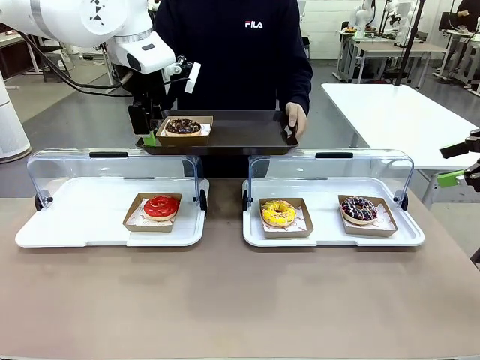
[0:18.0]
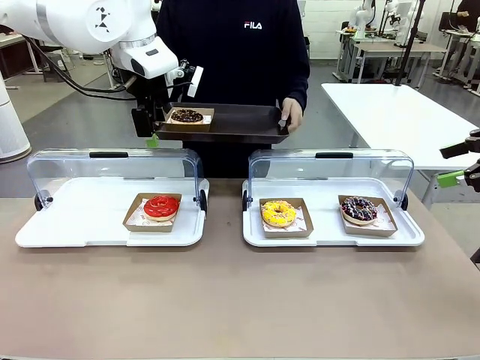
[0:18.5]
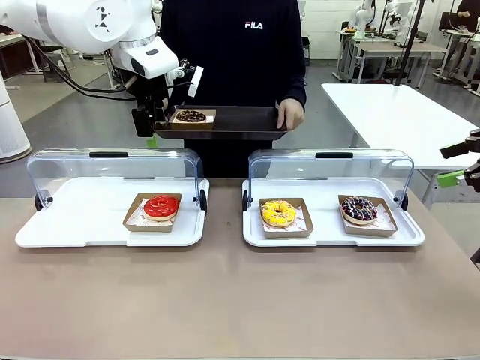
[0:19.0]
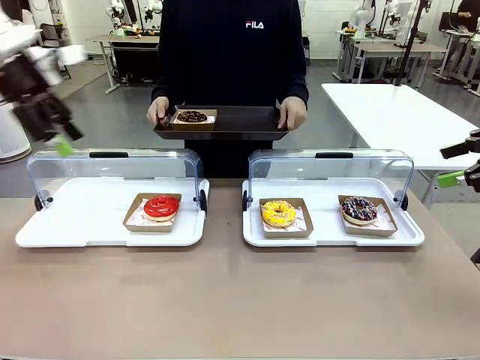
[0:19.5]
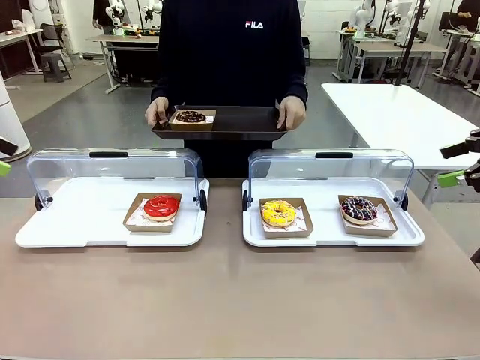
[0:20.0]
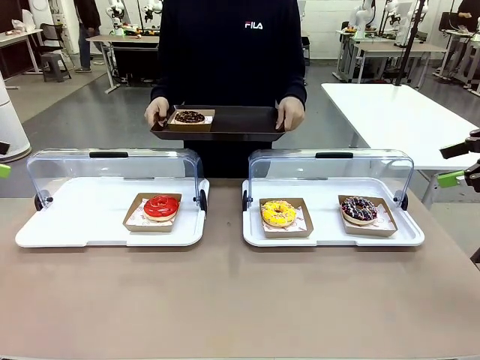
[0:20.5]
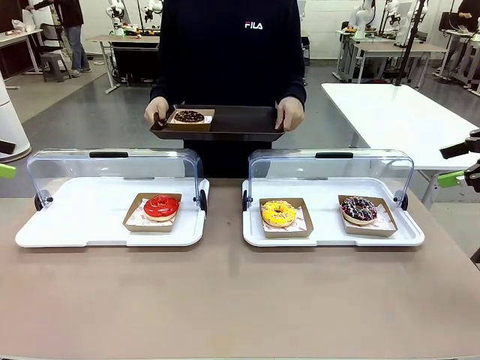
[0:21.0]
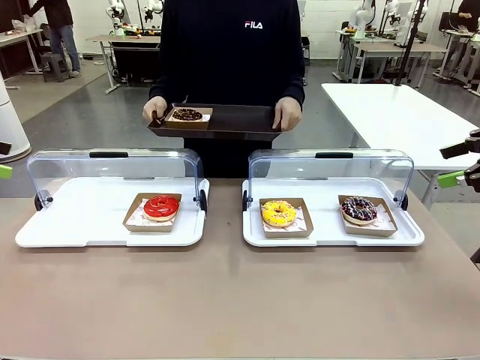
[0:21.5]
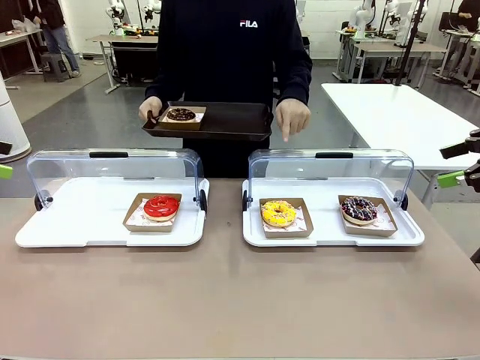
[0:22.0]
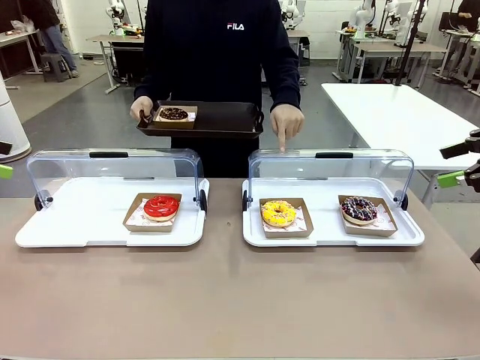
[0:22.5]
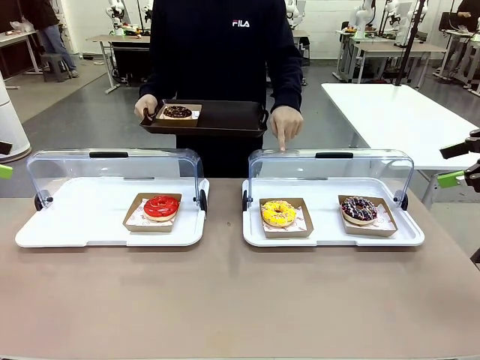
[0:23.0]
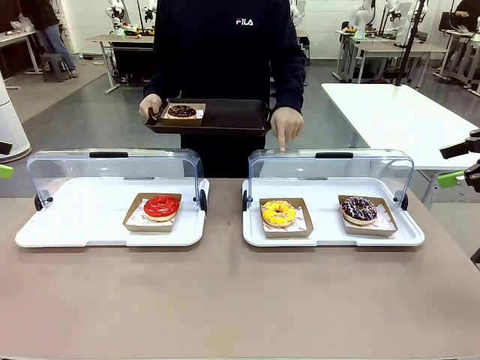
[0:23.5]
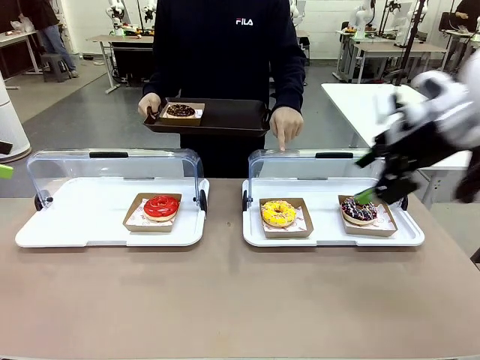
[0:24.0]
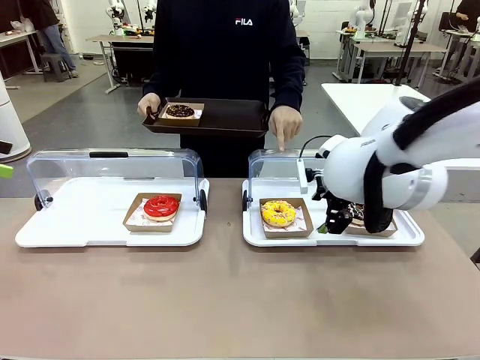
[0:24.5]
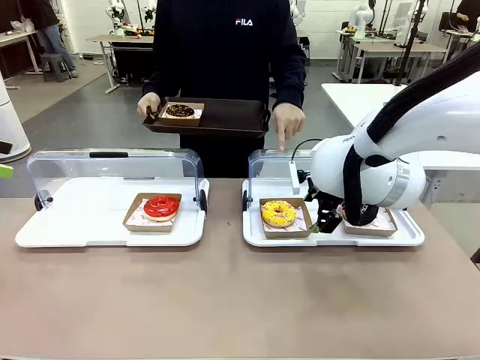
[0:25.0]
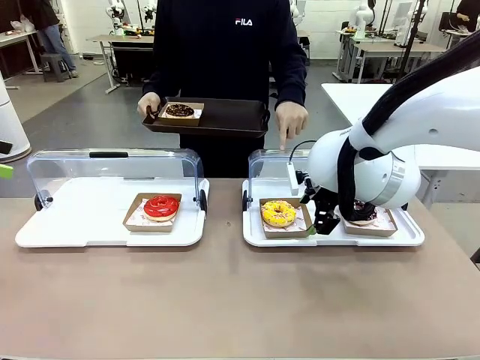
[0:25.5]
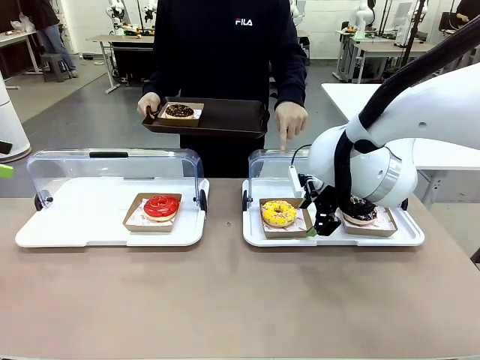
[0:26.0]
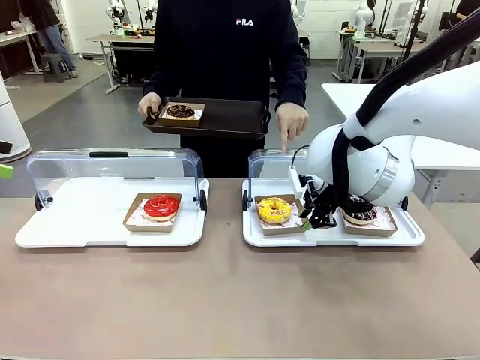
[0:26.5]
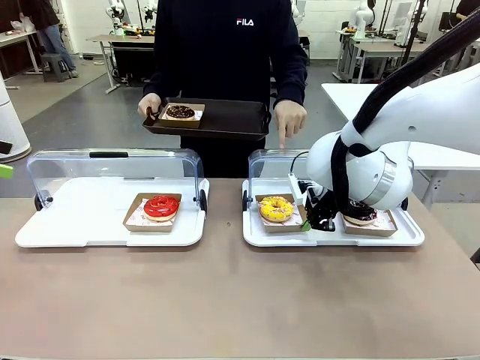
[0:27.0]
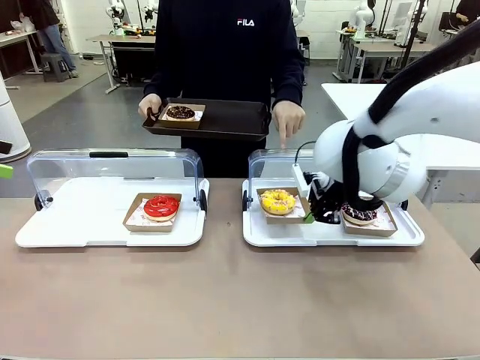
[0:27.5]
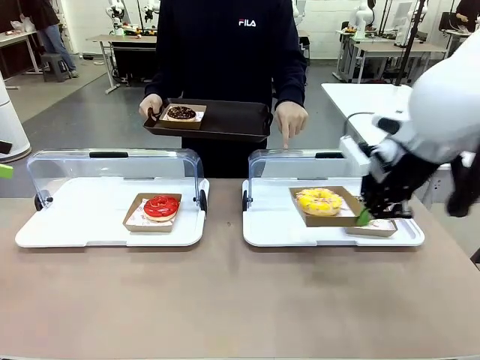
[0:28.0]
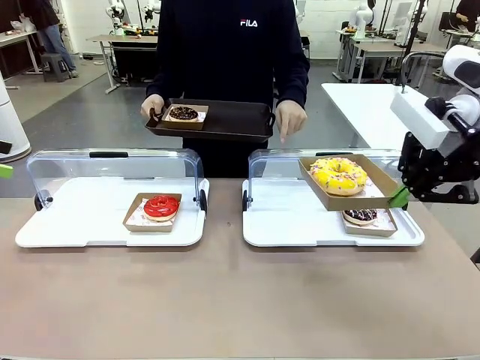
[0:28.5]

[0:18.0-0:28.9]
Task: Provide the desired donut to the person.
Robot: Pick up and lift the Paper togo box containing the Donut pointed at by the person.
Person: Lift the tray onto the Roll-Top Bakery Case.

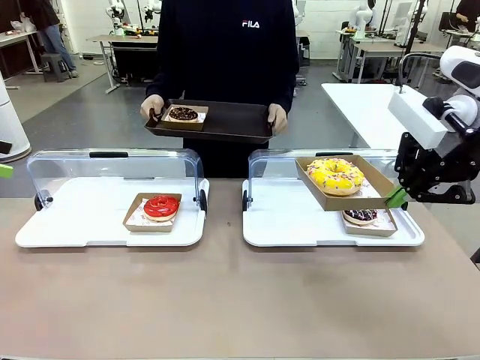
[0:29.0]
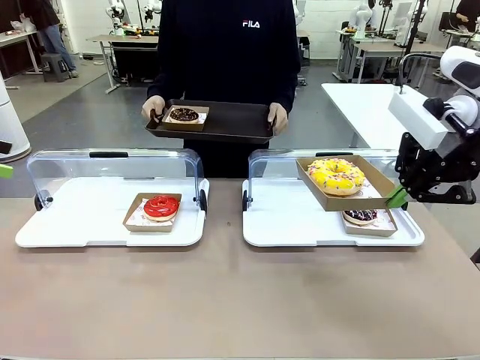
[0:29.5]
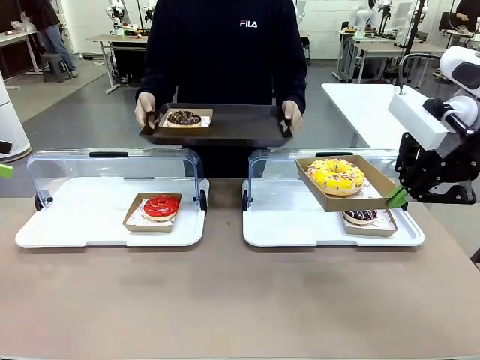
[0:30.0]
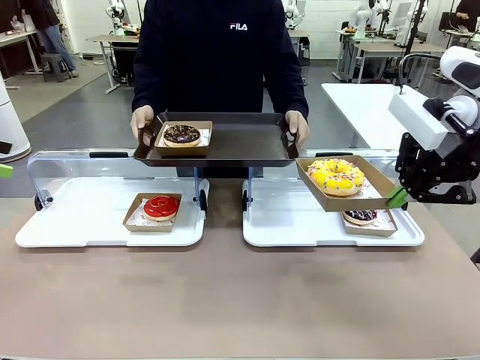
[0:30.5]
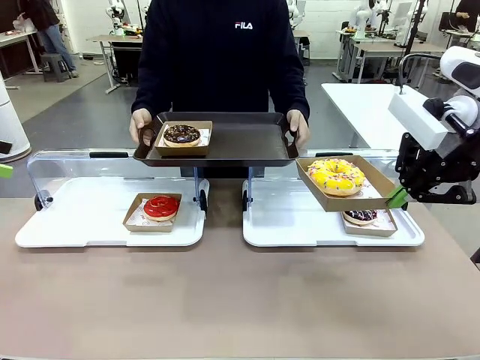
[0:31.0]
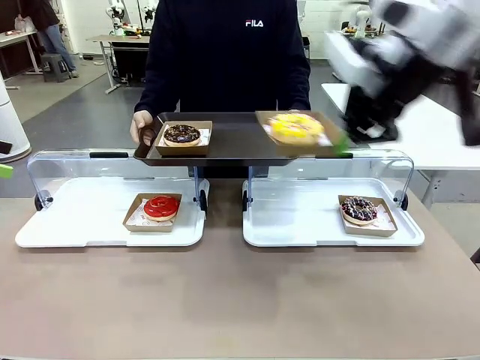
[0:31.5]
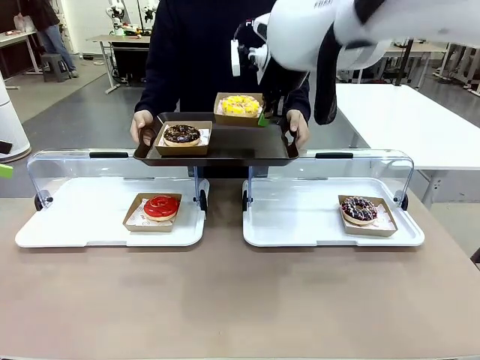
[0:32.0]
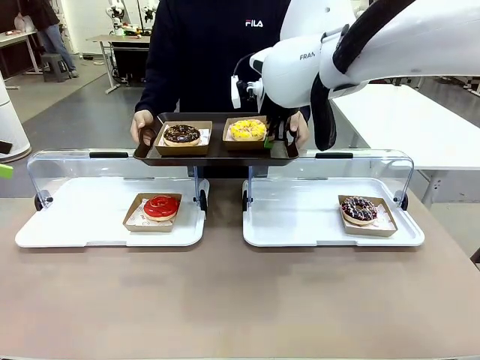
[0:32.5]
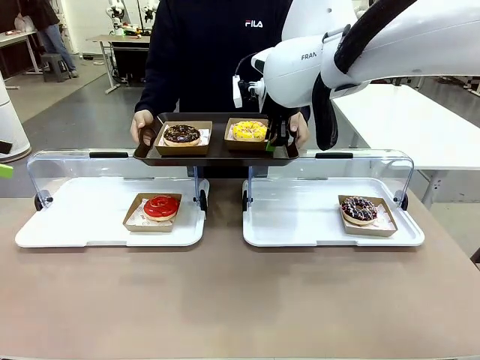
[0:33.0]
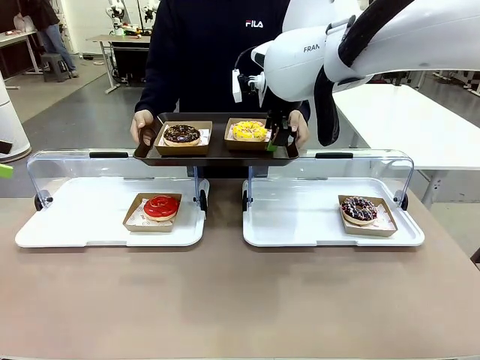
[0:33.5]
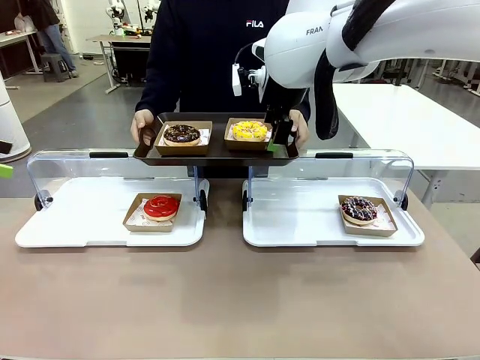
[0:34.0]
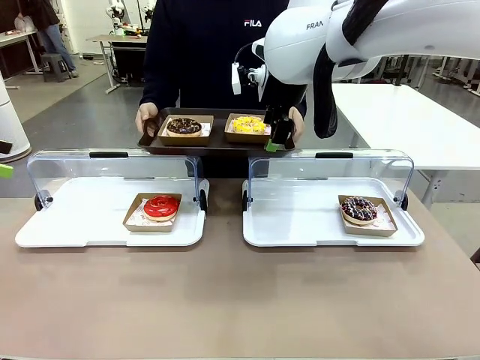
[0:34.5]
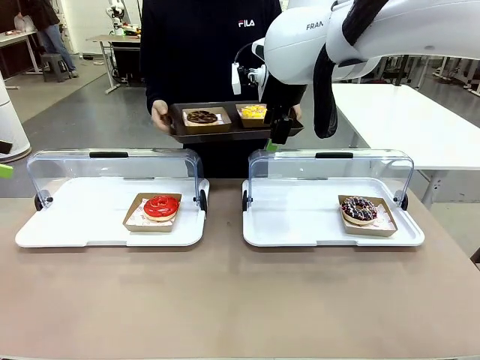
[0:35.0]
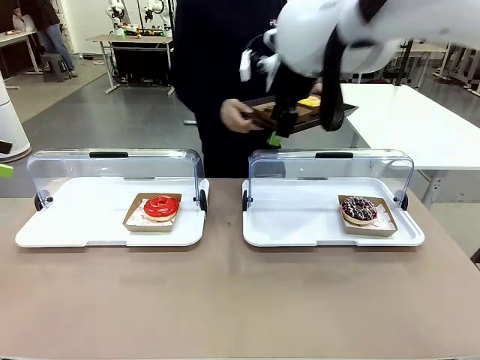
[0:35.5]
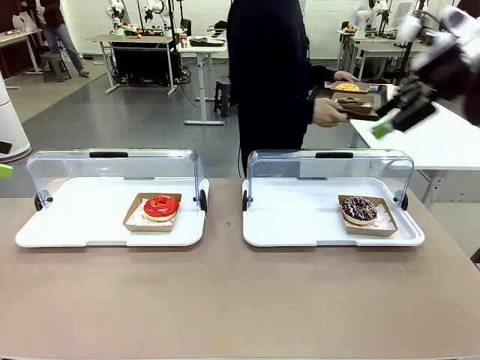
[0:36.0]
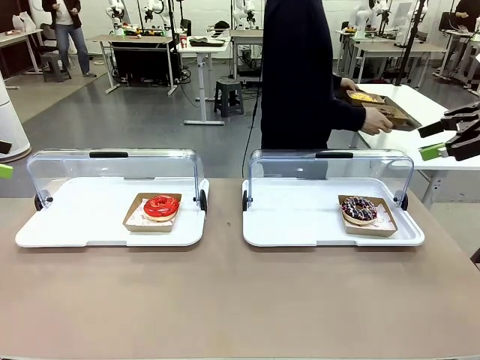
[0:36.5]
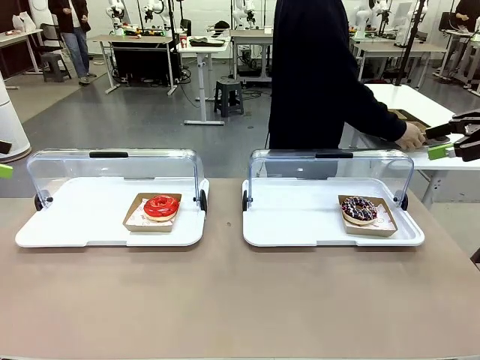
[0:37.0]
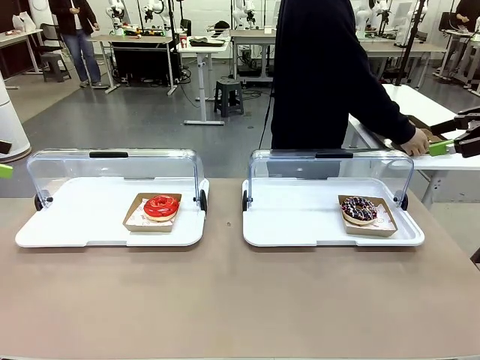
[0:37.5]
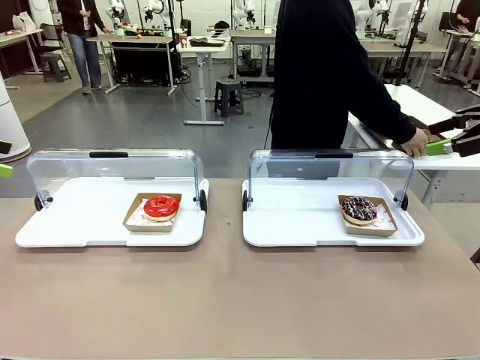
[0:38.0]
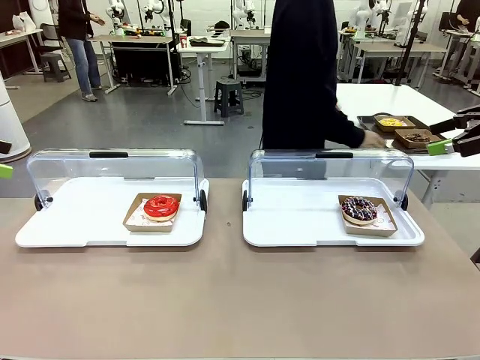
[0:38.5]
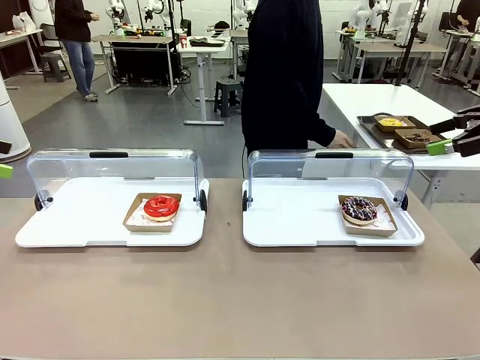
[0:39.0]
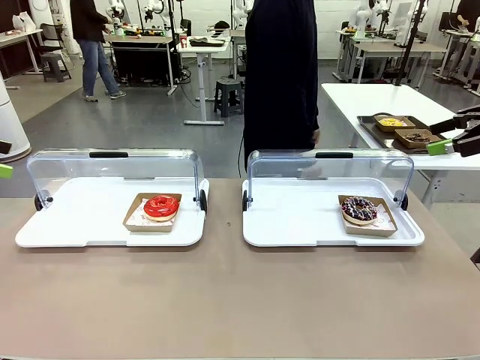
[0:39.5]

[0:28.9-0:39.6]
Robot: Place the picked Paper togo box onto the Handle tray extended by the person.
Person: Place the tray in the middle of the human table.

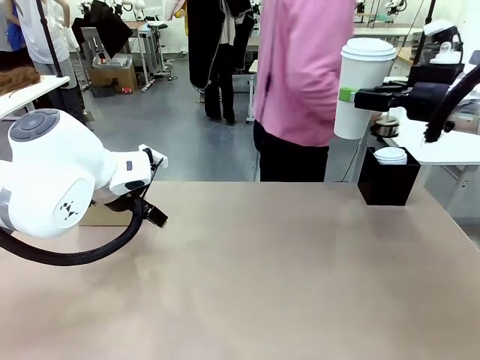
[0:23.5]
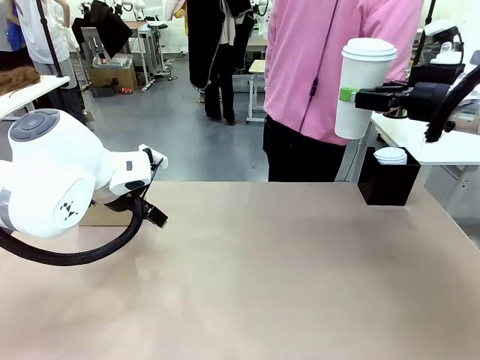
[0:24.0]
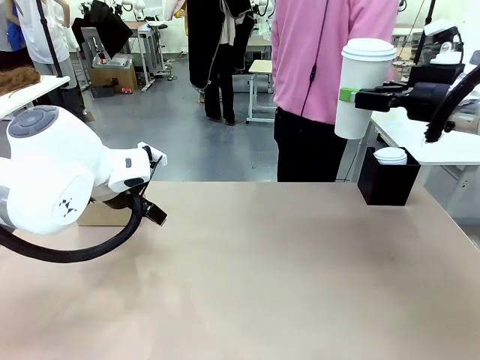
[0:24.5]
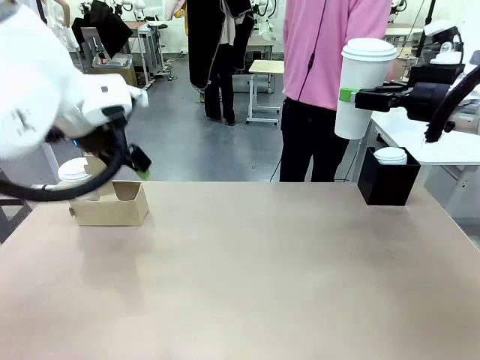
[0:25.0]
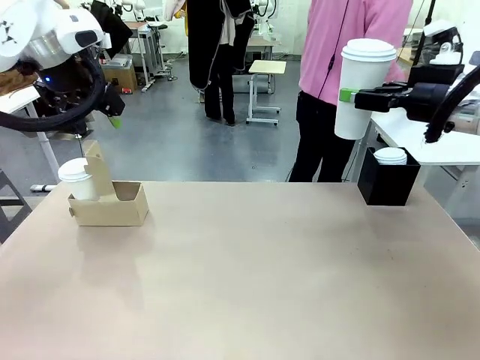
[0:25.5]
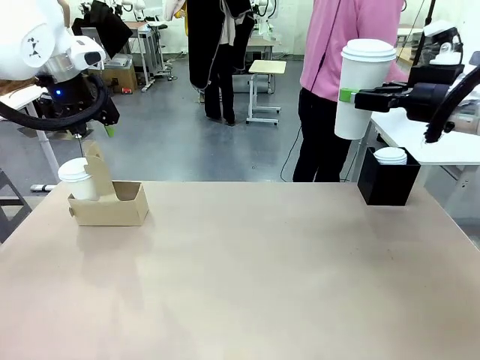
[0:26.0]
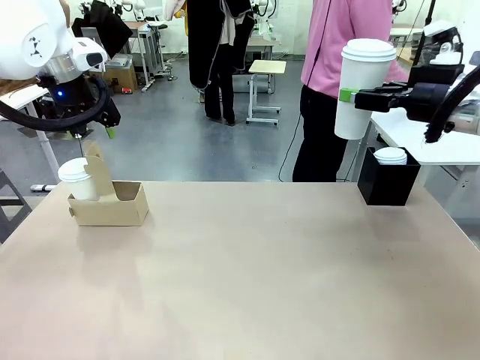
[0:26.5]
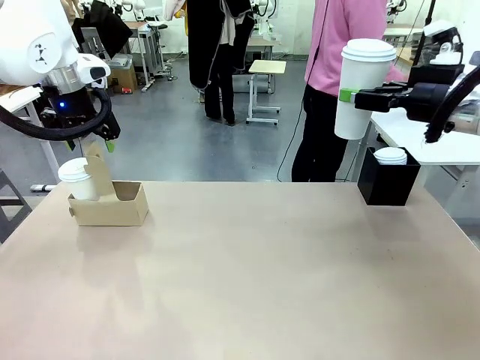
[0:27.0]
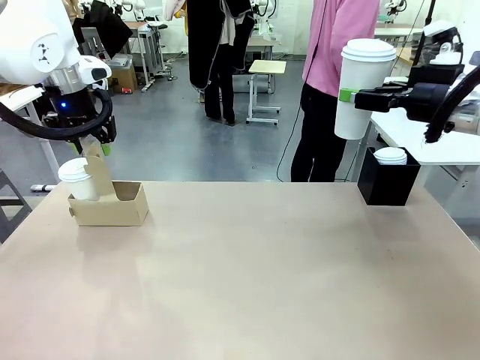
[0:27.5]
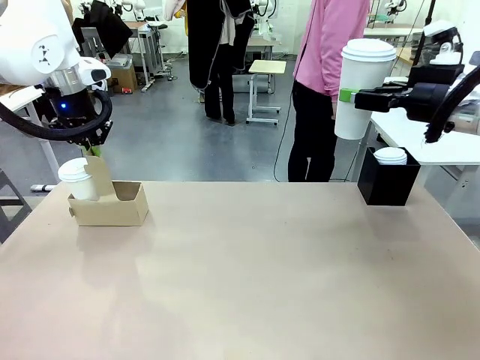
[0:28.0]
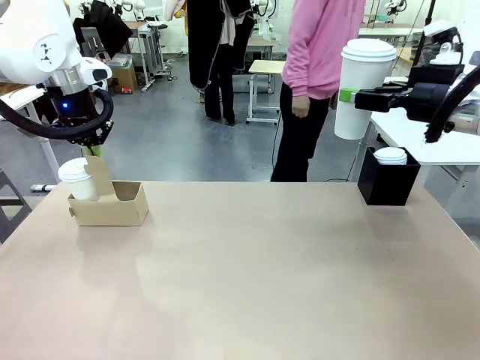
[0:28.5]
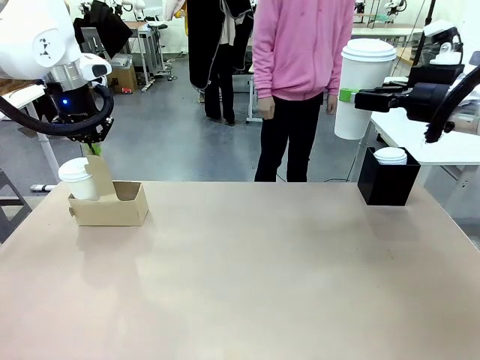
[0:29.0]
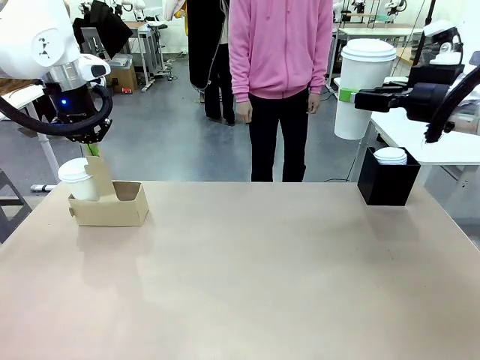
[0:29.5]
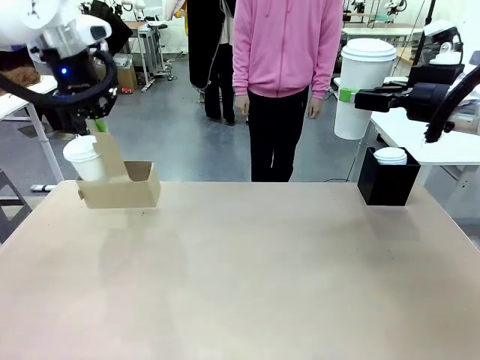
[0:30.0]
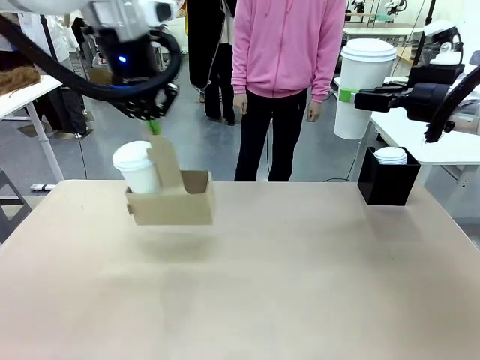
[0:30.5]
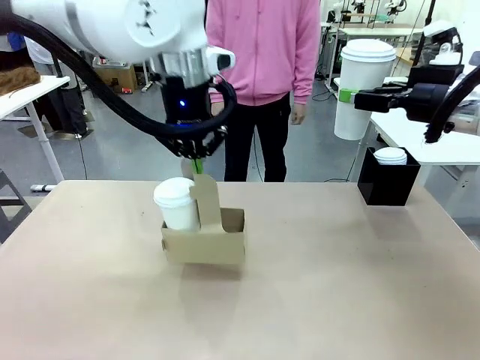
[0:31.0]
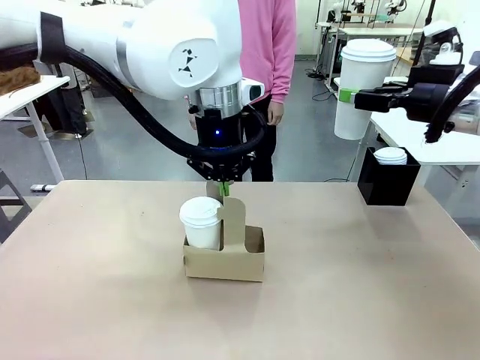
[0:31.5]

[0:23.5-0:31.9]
Task: Pour a drink into a cup and package it in a carrier.
Robot: Position the Cup Carrier in the center of the table.
Person: Pick up the Filter Brewing and place on the middle of Human table, and return to the Robot table.
